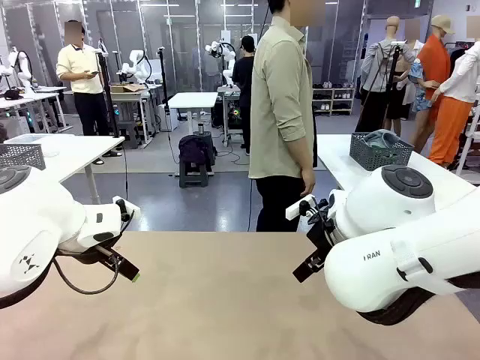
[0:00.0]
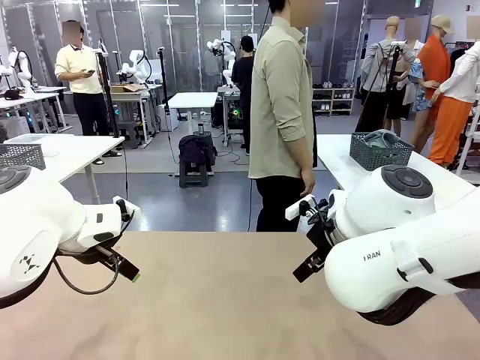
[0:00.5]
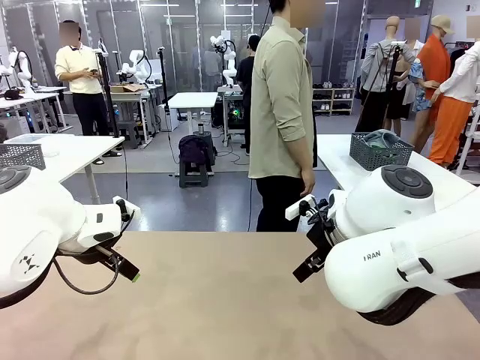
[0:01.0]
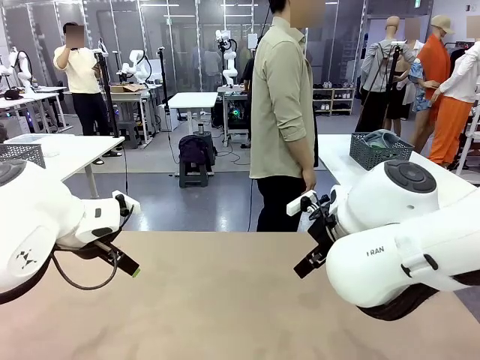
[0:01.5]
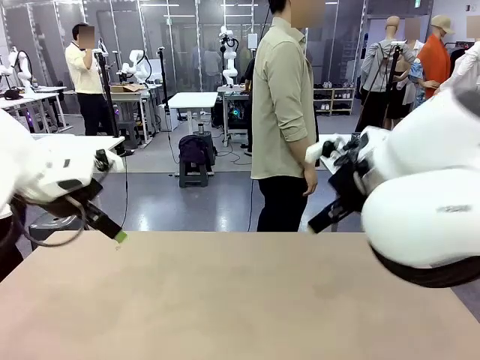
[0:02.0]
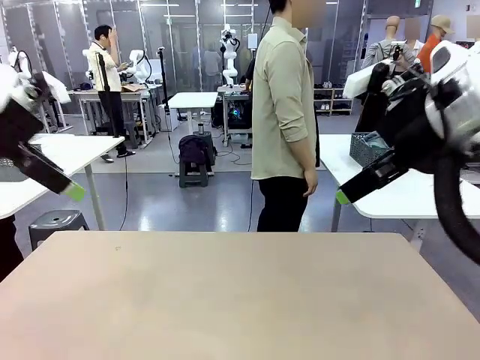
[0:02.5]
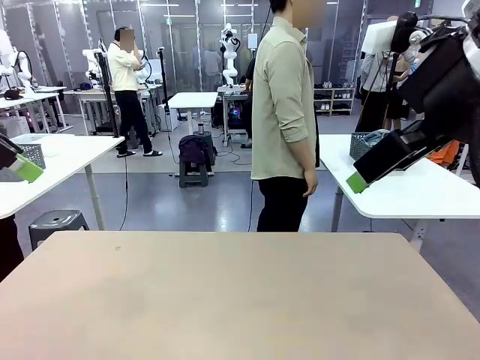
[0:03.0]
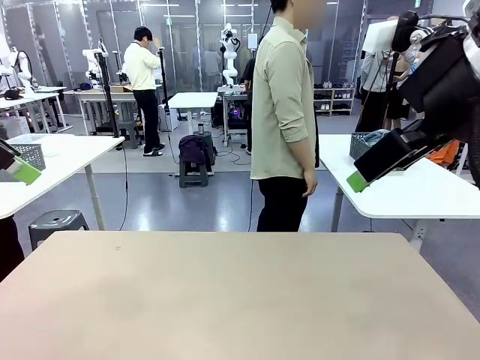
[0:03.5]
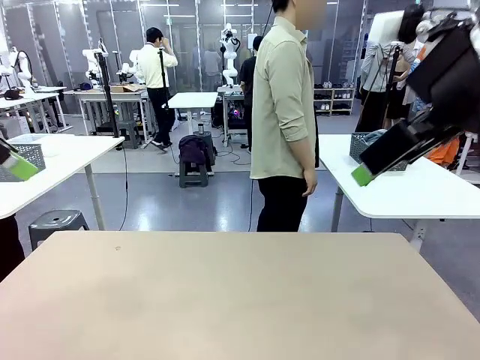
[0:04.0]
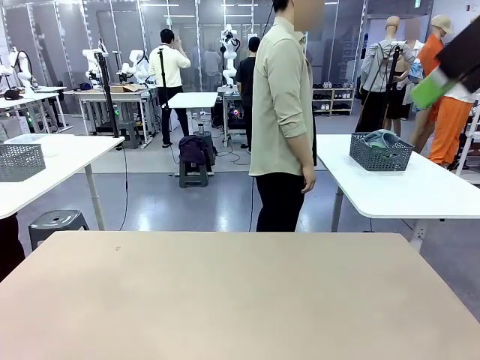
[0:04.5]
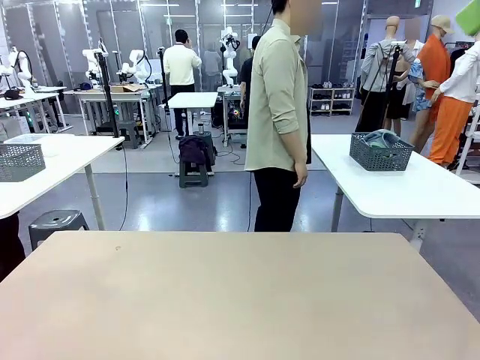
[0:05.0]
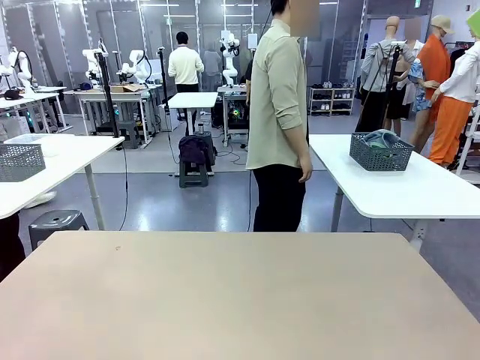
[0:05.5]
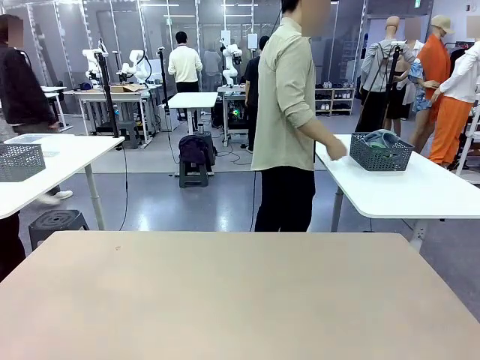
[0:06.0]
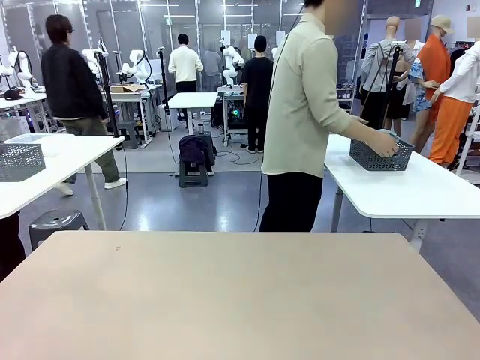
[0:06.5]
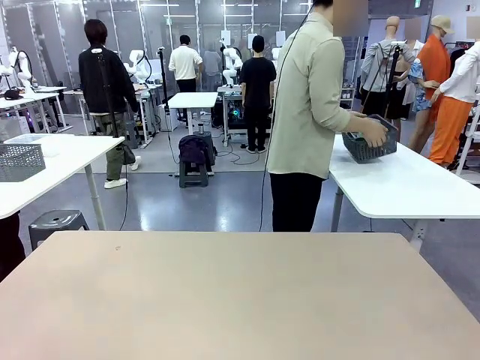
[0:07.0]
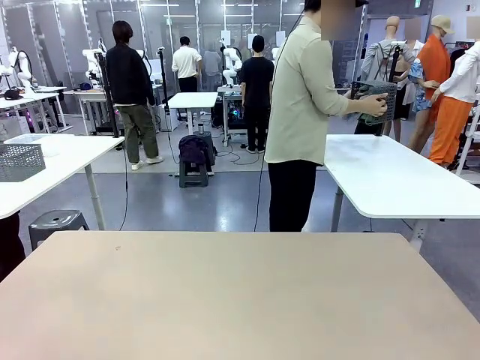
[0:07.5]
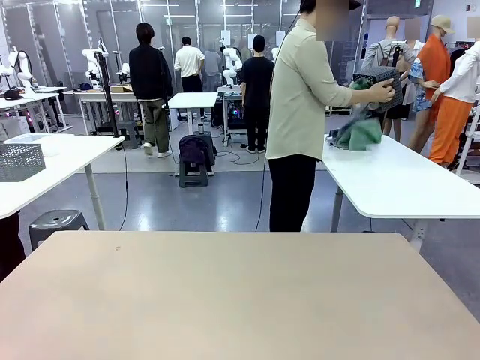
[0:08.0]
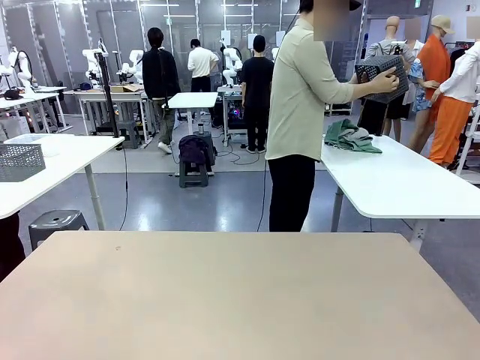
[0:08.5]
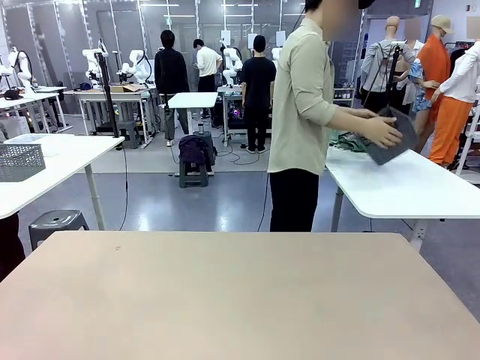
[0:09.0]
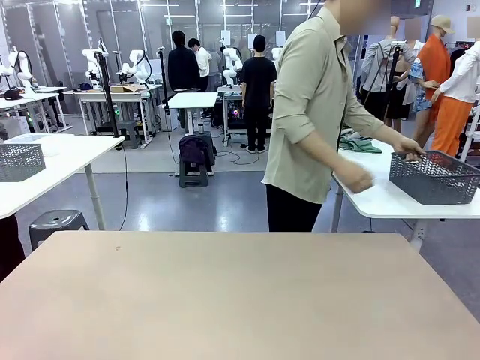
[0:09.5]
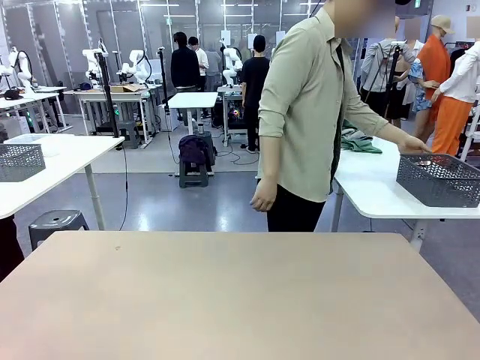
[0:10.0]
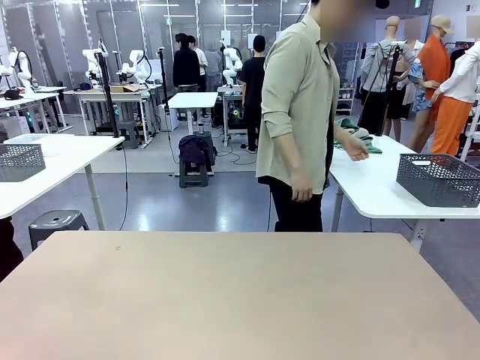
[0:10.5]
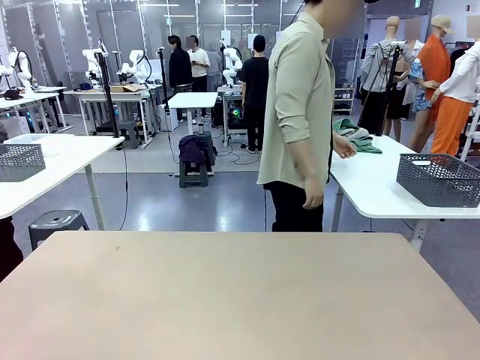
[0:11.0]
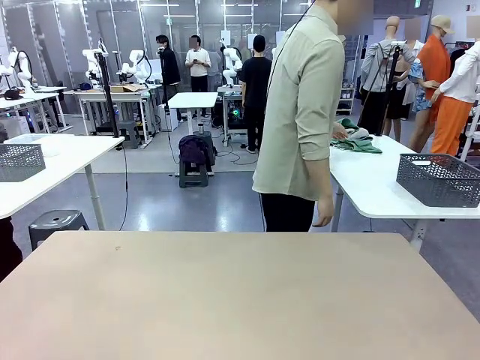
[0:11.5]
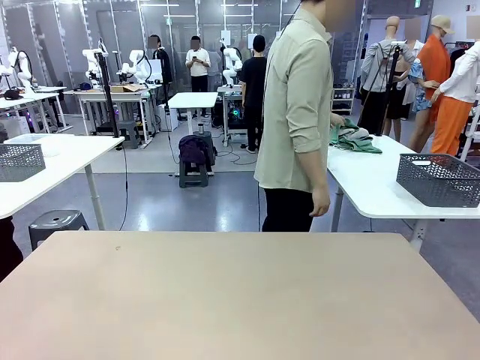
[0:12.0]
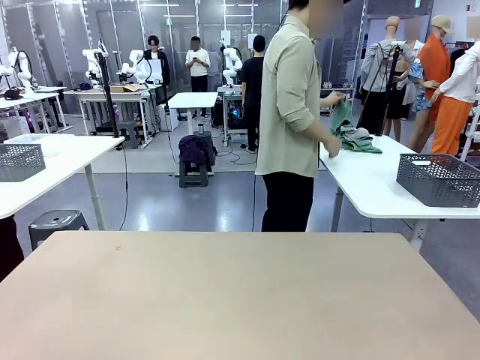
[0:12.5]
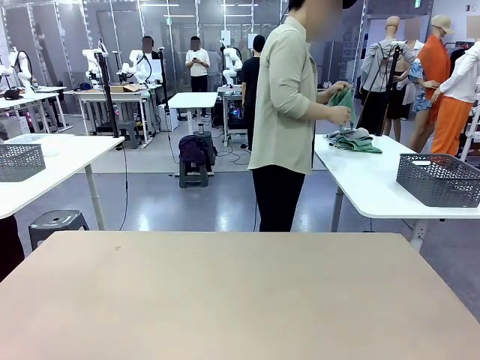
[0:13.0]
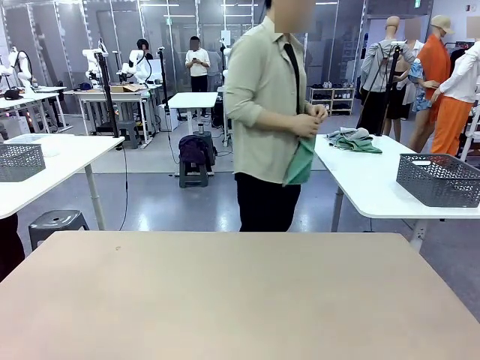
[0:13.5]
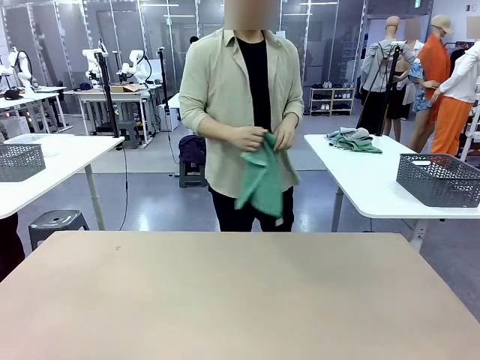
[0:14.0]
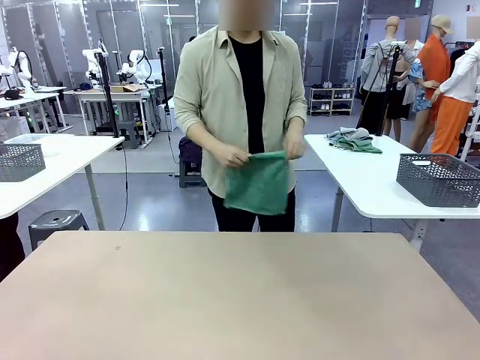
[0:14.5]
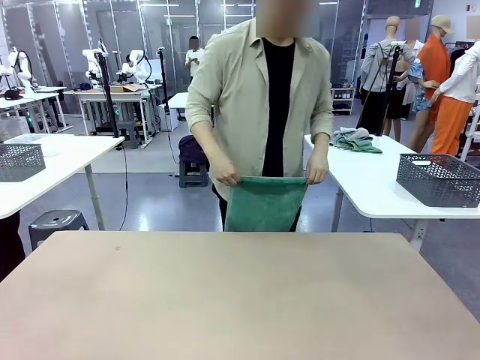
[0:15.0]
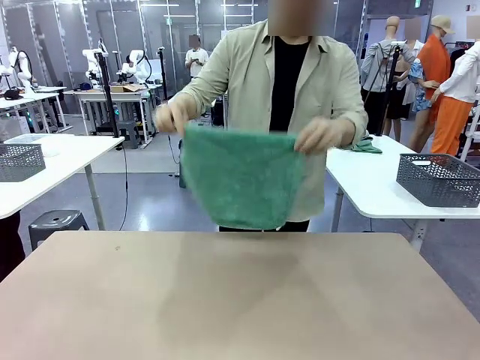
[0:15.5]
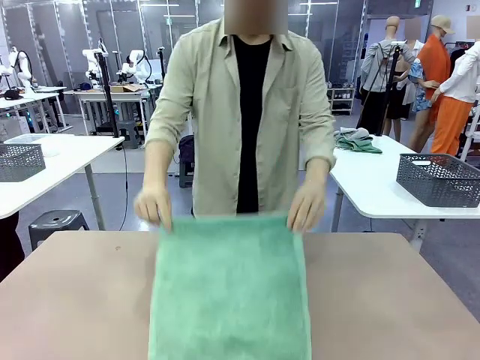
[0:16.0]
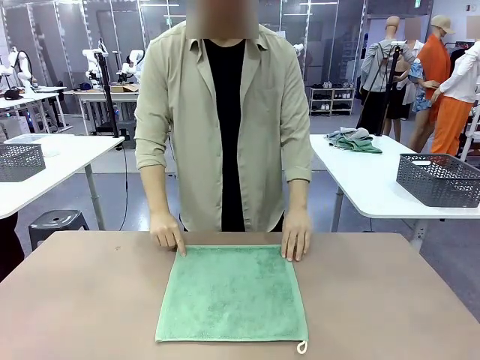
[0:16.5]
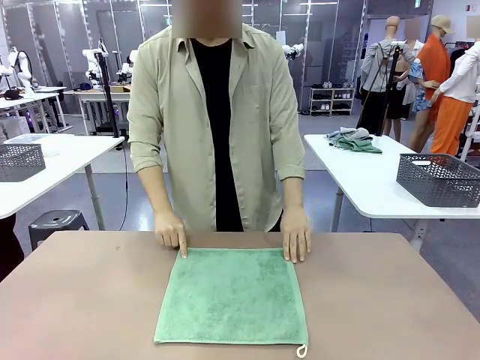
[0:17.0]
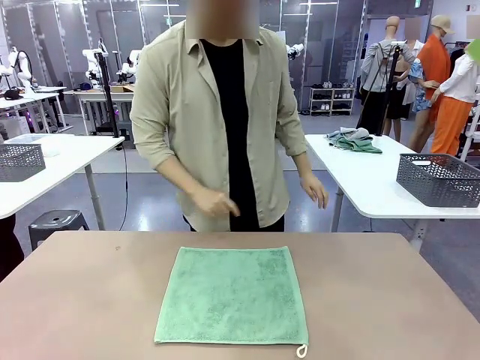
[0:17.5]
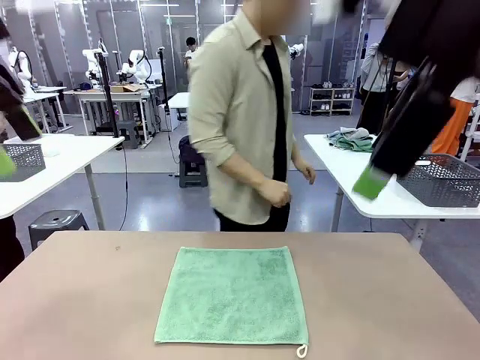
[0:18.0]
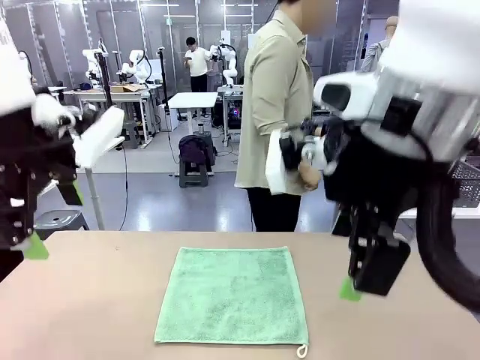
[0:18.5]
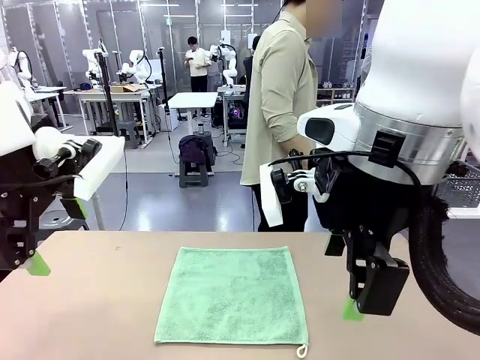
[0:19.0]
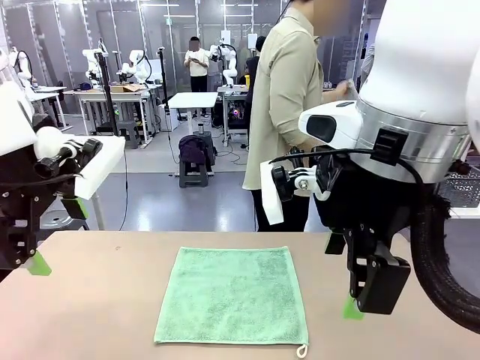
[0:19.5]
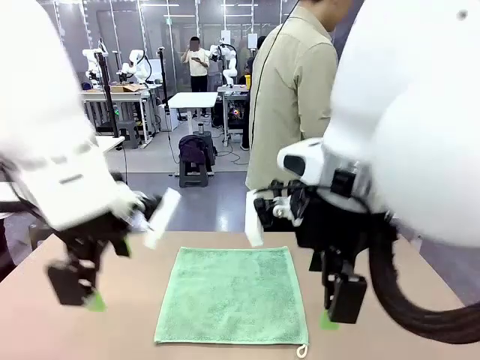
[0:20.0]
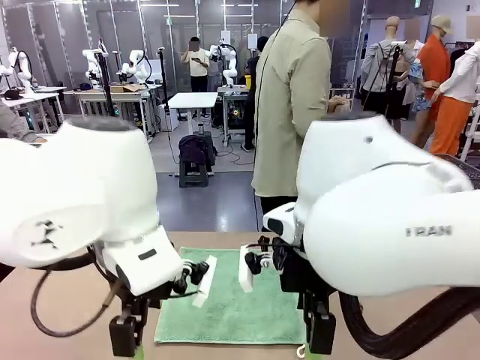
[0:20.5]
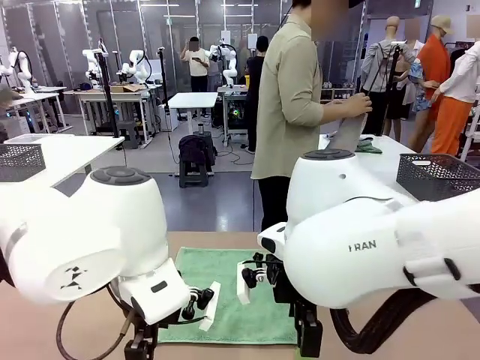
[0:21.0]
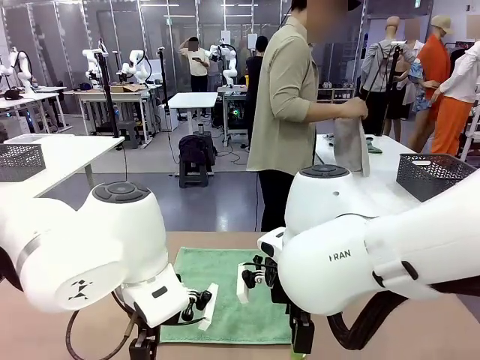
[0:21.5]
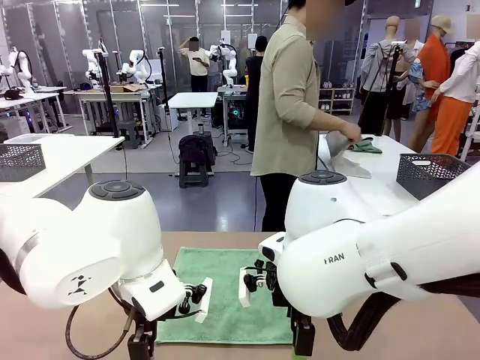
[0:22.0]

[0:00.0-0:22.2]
Task: Fold the towels and place them in the basket.
Robot: When a person lays out a Towel with hook on the table, fold it in half twice.
Person: Pick up the basket, pour the towels onto the left side of the human table, and place the basket on the right side. Pick up one towel and spread it out at the center of the robot table.
